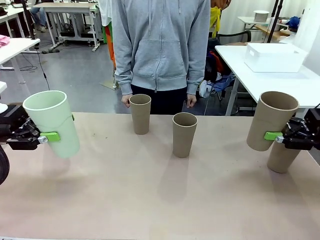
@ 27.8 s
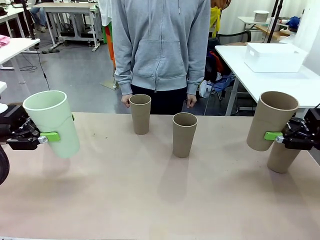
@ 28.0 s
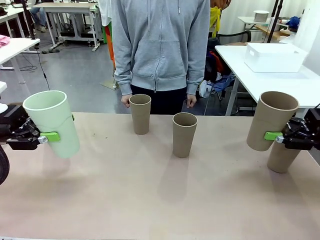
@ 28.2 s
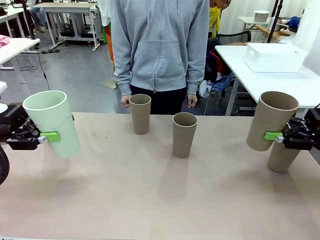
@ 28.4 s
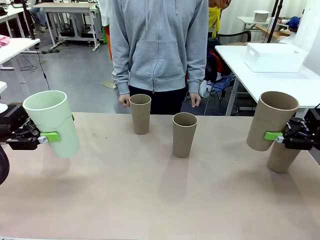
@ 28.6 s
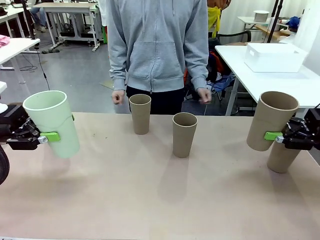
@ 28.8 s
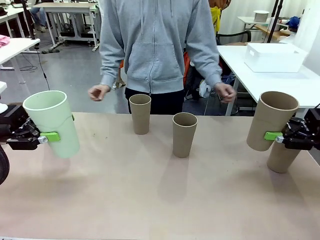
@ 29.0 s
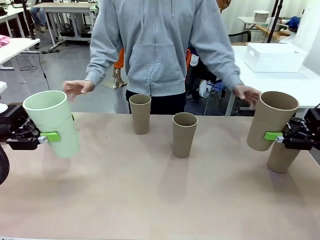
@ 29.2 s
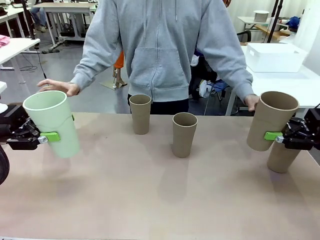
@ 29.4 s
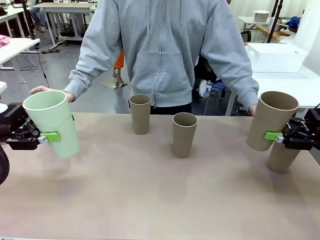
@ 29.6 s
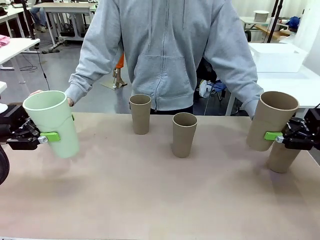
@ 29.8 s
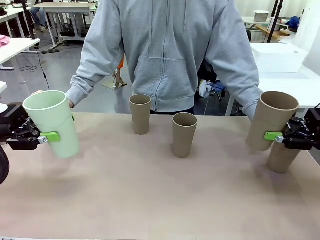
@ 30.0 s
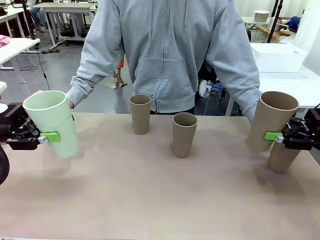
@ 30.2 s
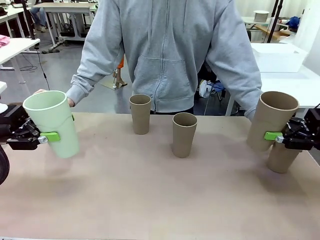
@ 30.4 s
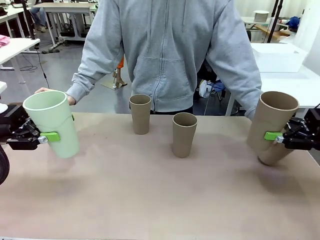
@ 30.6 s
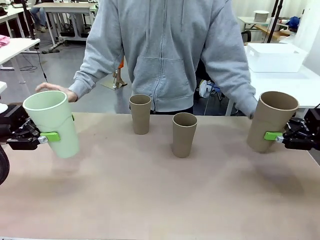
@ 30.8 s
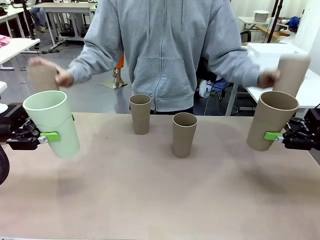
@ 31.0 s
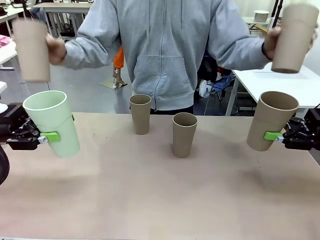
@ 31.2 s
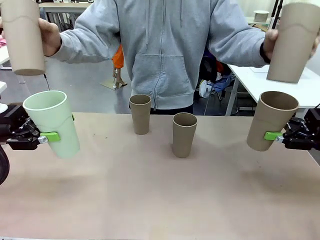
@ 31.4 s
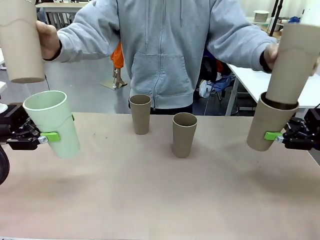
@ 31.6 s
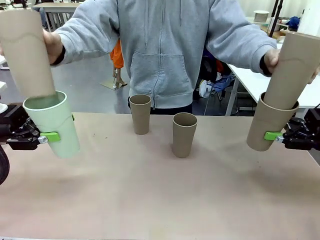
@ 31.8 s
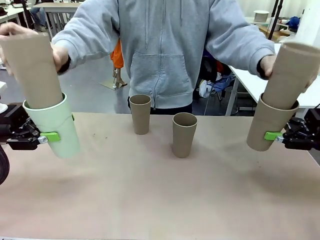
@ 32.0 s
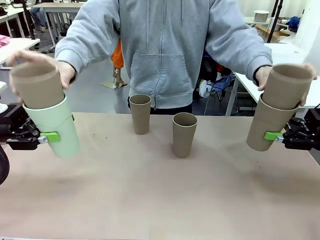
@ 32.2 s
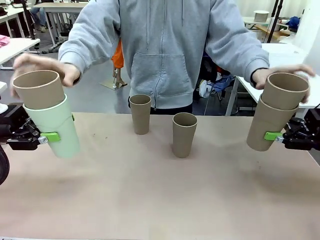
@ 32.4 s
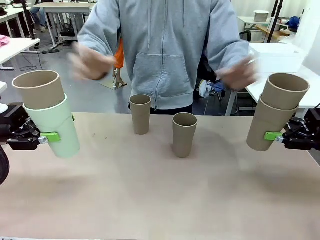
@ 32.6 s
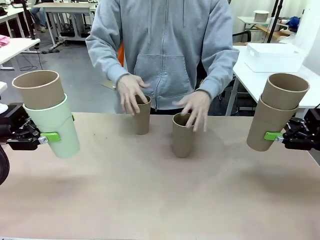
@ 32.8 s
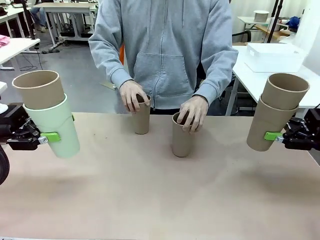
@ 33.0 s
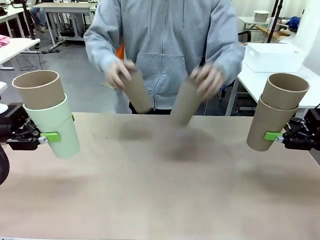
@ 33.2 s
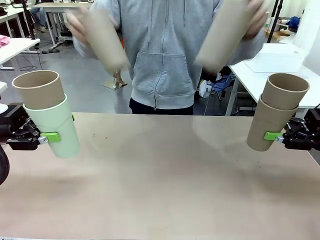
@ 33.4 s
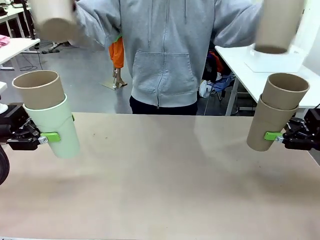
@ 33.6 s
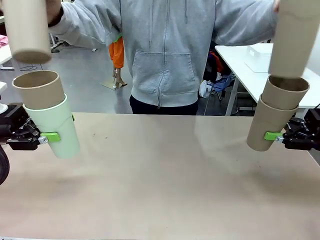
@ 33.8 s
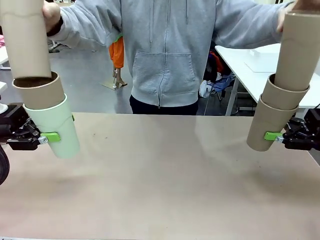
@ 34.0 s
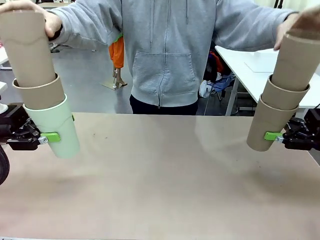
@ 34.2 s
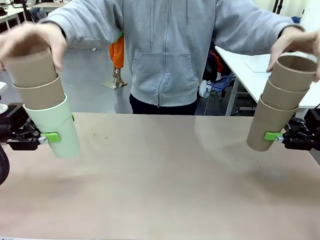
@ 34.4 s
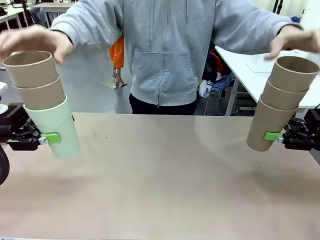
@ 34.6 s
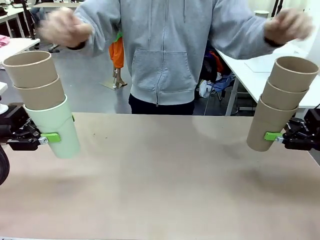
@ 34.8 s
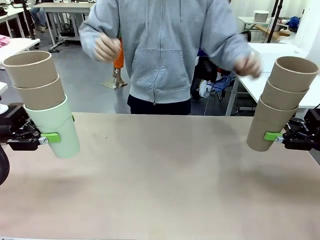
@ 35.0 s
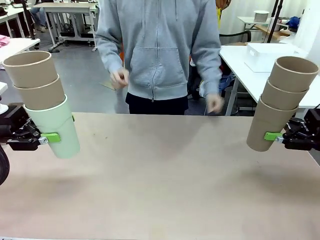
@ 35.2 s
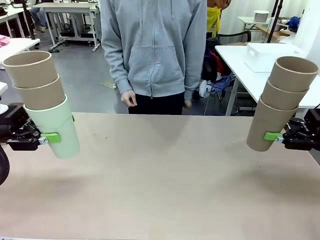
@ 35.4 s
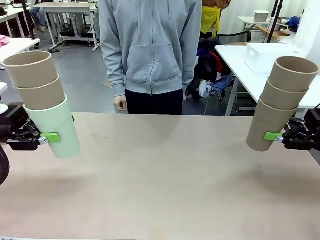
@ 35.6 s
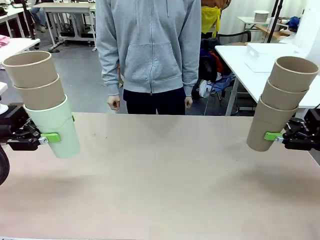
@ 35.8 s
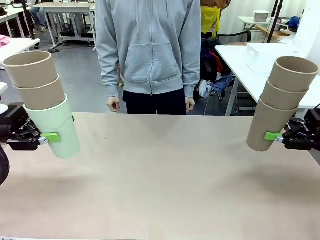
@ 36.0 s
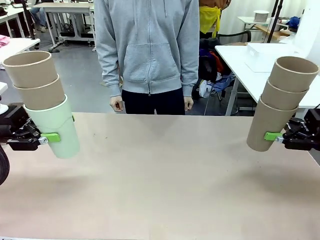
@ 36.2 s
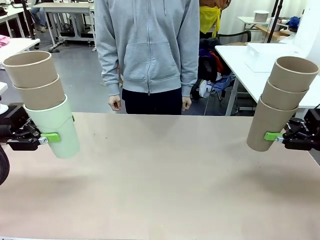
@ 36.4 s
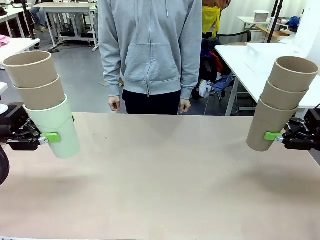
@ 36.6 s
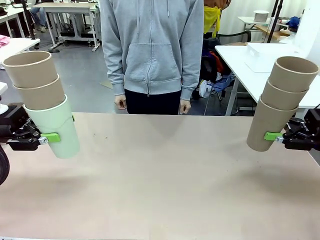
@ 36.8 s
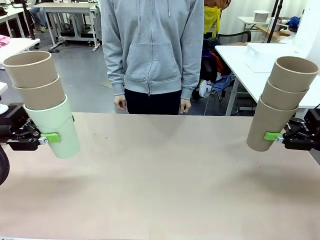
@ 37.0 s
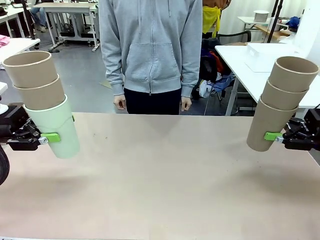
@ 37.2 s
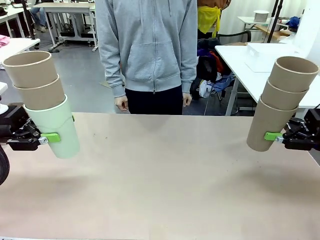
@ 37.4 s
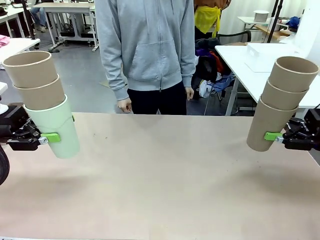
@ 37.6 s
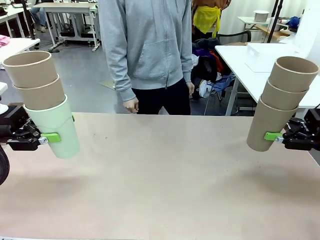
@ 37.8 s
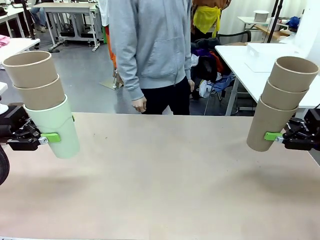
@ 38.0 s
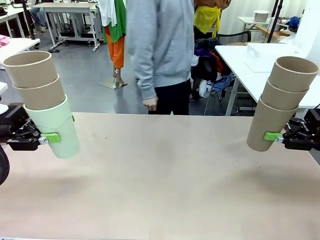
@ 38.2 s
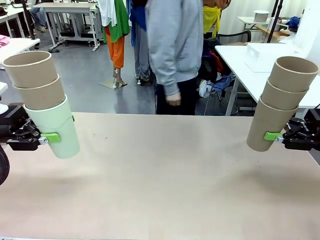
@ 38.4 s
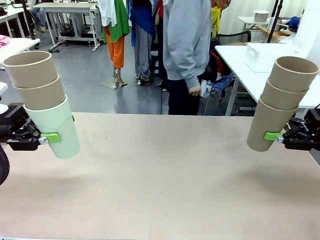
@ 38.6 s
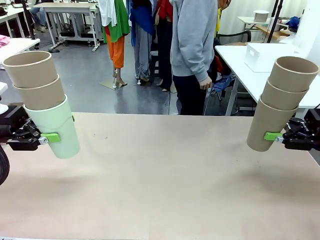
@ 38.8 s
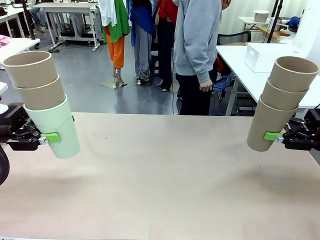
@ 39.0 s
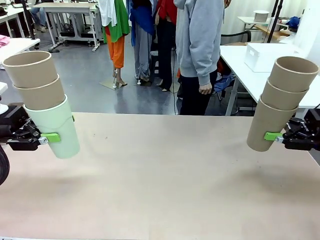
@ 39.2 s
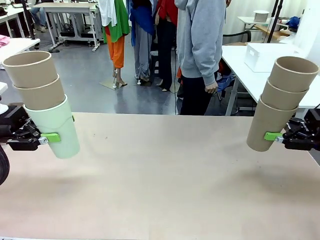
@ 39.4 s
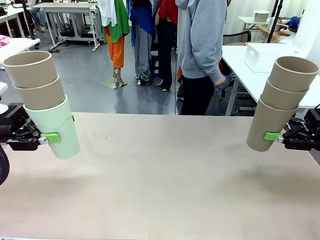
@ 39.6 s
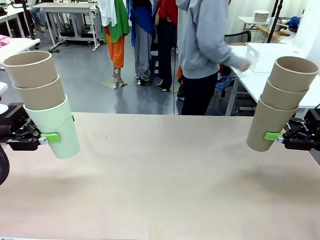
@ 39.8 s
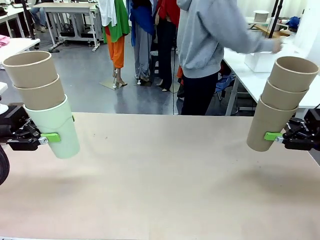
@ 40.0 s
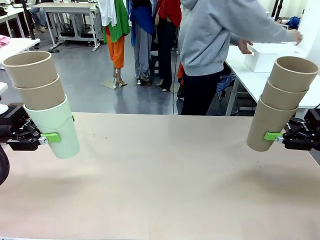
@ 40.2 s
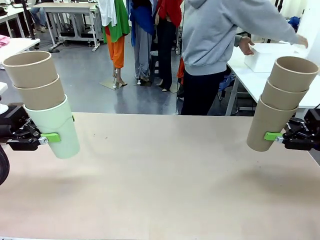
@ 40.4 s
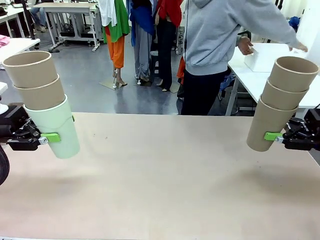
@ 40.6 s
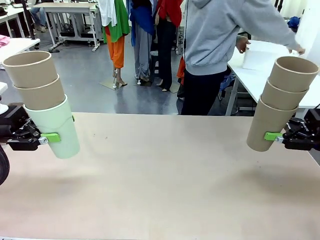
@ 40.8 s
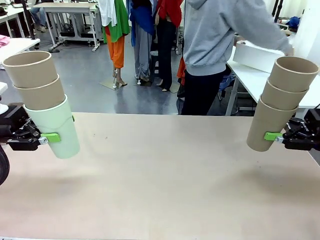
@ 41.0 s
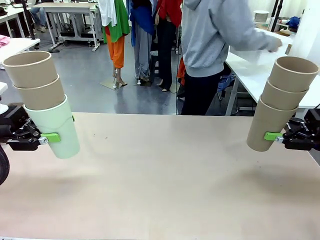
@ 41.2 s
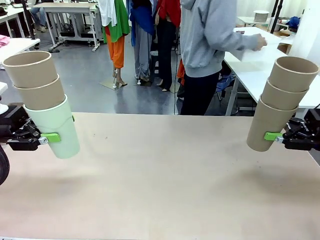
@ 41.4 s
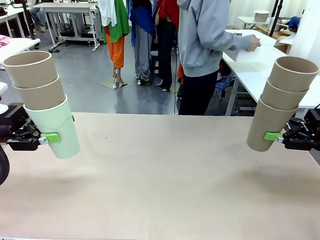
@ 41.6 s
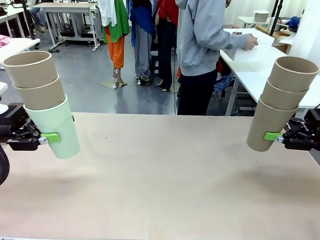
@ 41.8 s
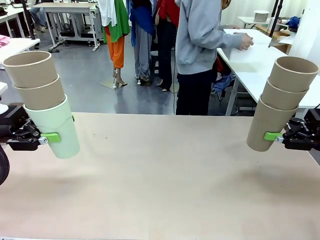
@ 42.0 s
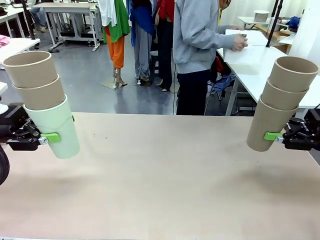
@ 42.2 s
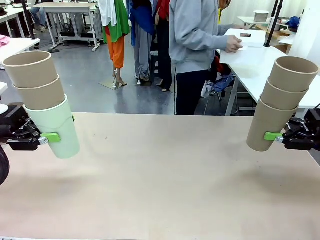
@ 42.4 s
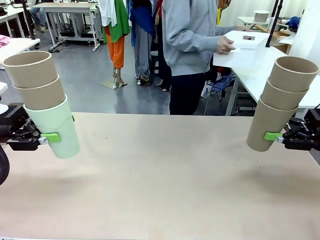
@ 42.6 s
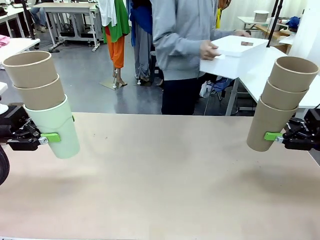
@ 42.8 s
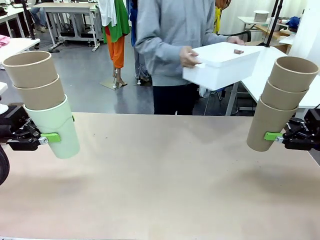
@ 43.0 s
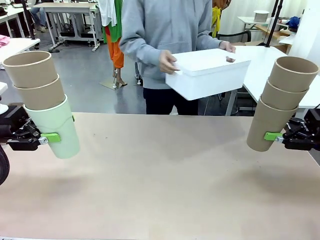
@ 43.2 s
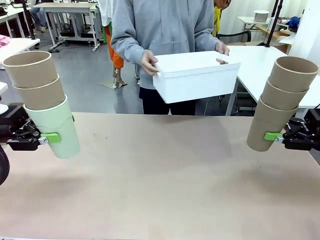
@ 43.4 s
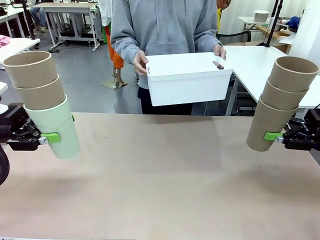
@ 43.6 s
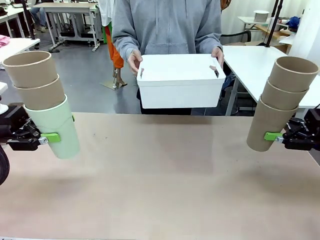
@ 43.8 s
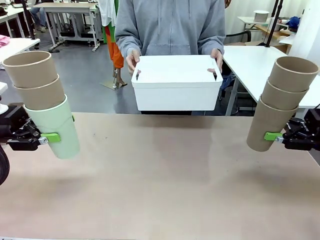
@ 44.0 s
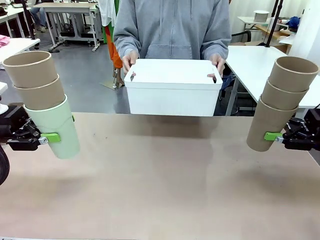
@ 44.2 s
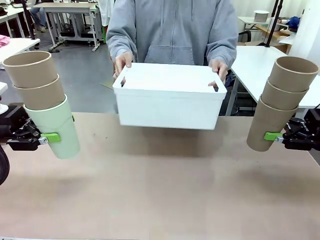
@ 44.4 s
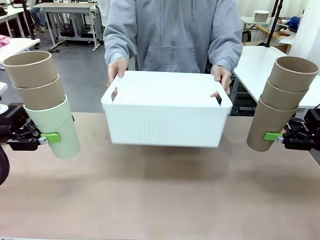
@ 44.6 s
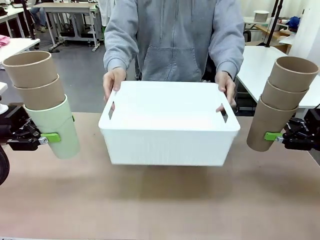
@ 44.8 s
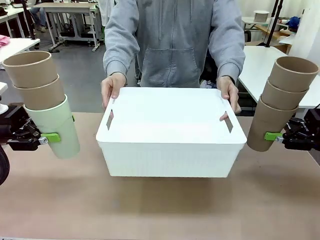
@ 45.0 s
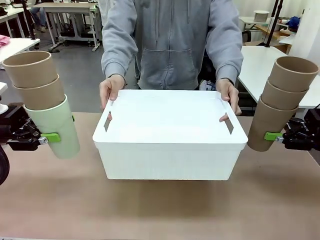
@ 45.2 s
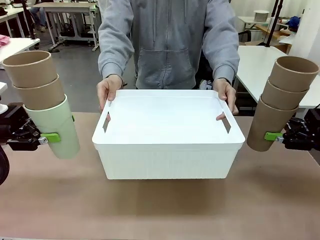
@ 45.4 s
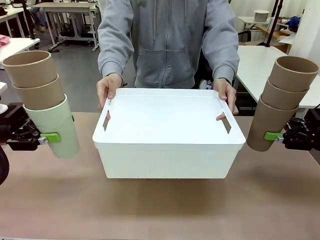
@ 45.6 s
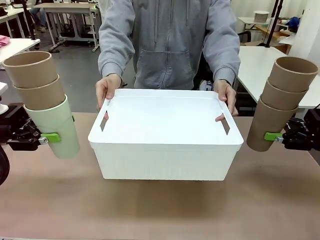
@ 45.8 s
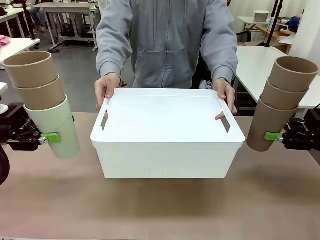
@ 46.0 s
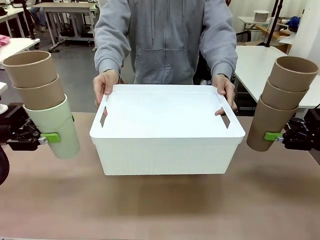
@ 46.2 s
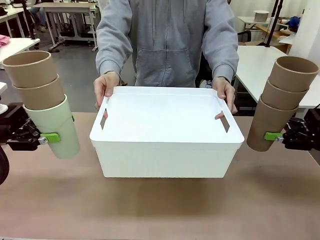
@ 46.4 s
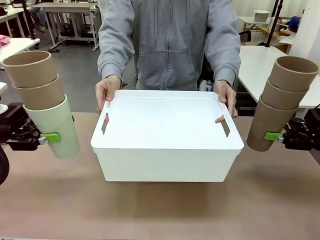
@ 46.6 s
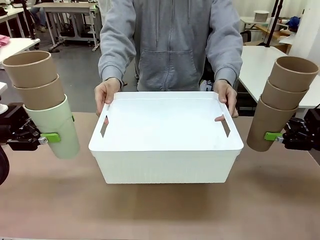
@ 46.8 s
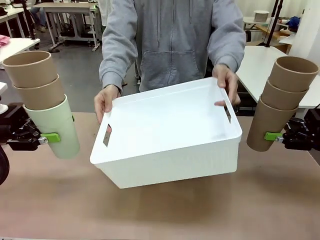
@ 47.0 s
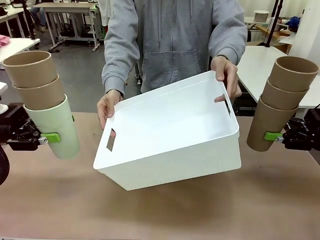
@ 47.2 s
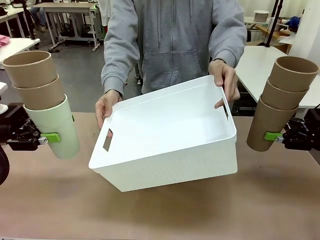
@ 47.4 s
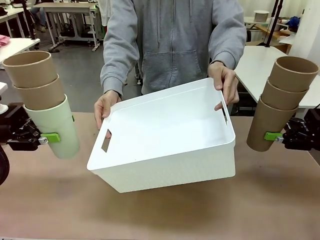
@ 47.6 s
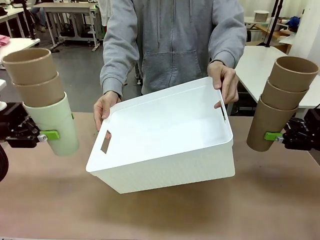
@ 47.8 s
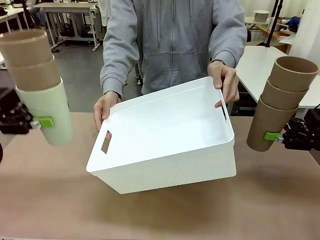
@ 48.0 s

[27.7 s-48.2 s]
Task: Stack the cups and store them in the basket.
Robot: Place the stack of Reusable plastic cups into the Pantry Basket.
Person: Pick up the basket from the Human Table, bring it to the front of the robot, and present it.
